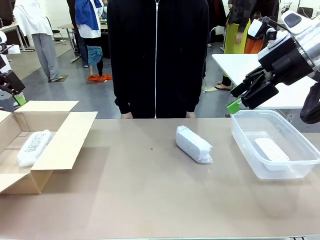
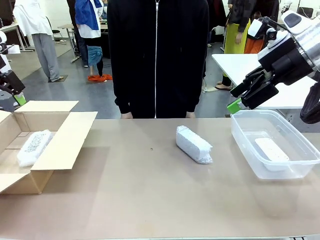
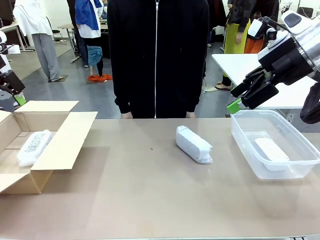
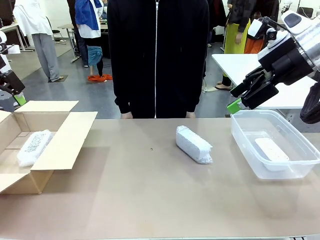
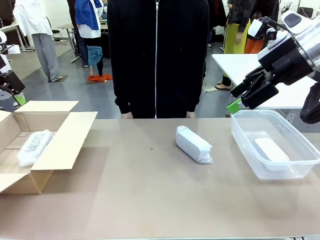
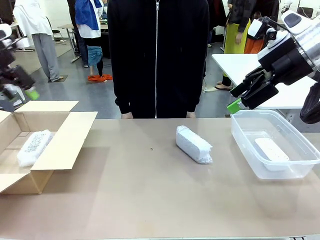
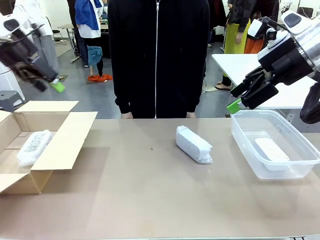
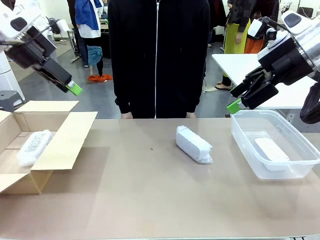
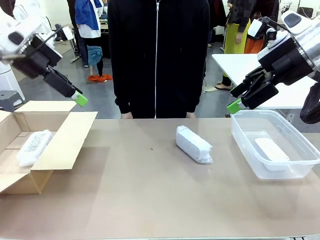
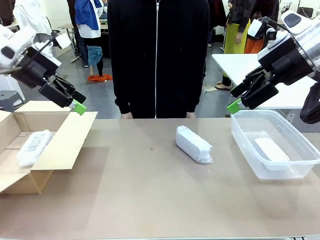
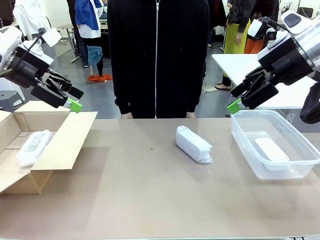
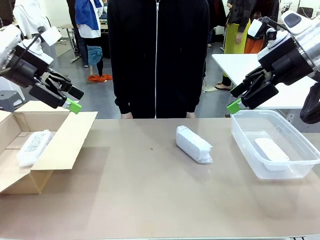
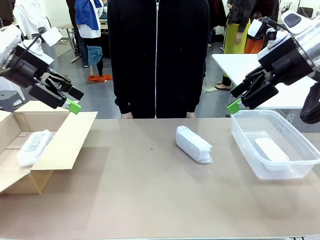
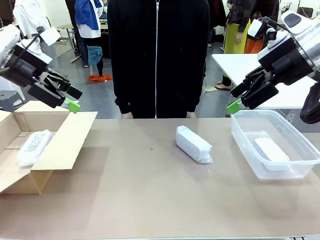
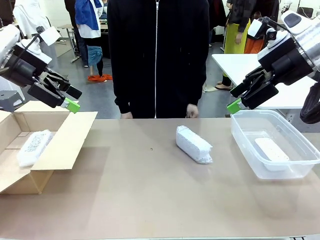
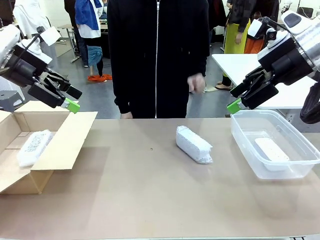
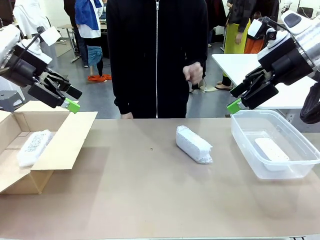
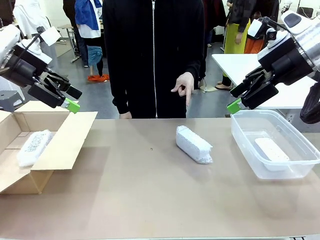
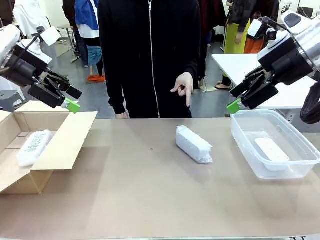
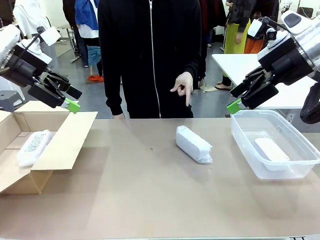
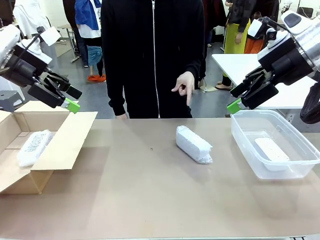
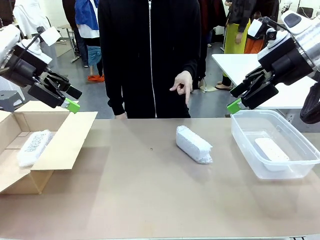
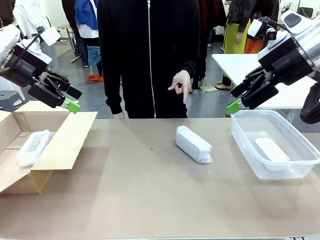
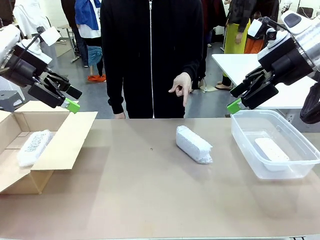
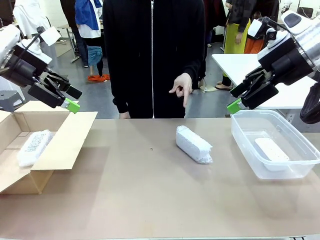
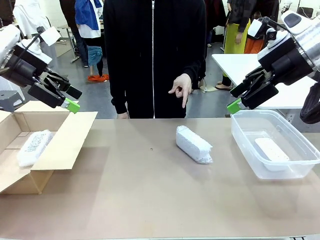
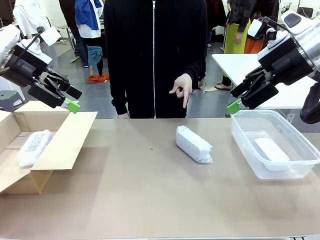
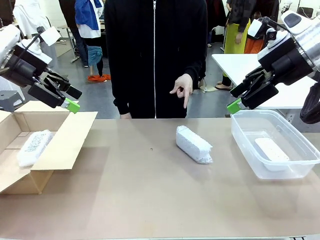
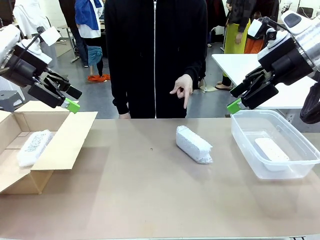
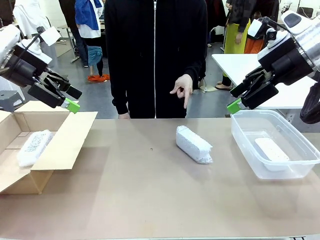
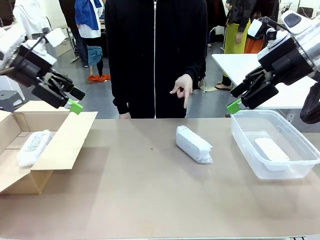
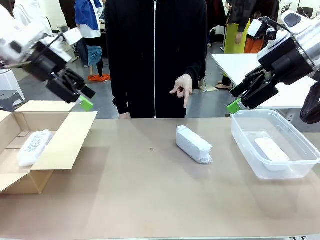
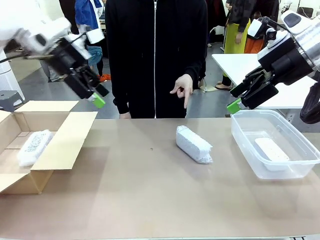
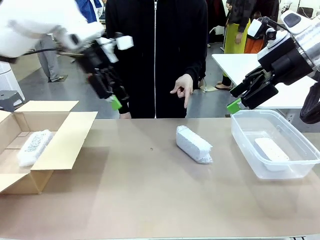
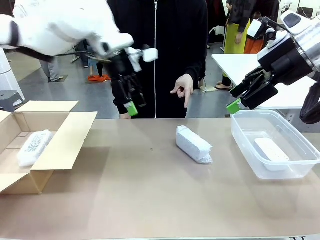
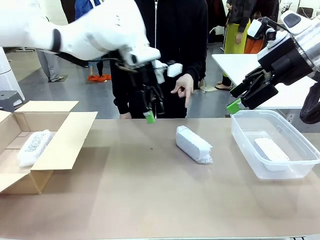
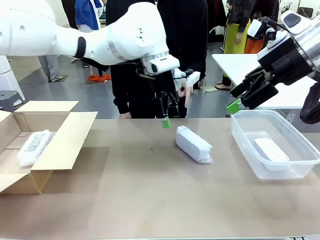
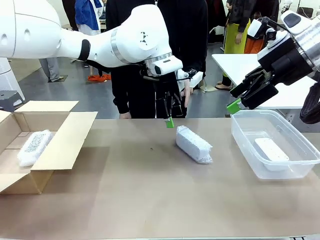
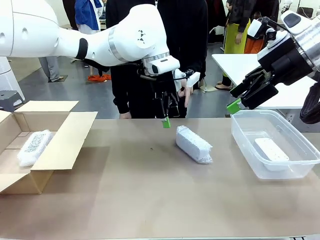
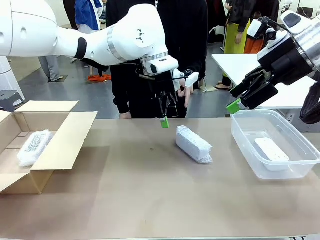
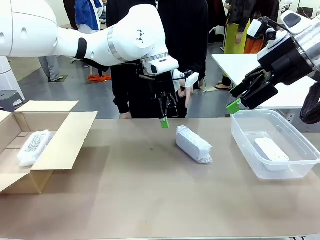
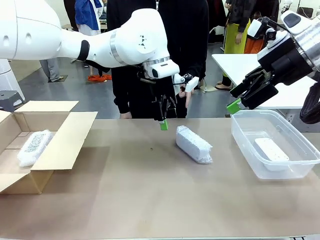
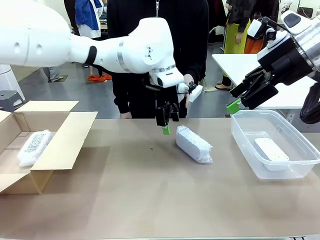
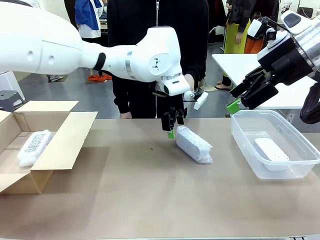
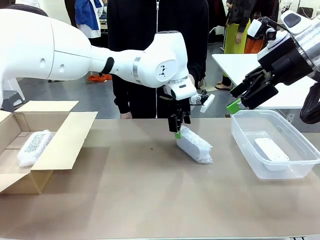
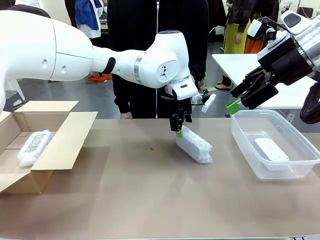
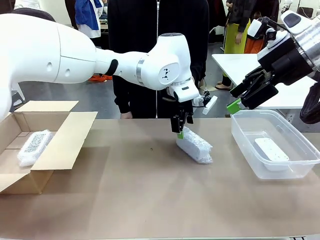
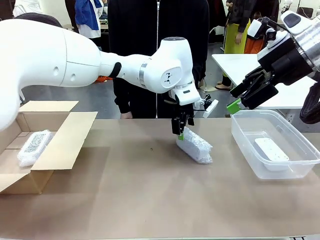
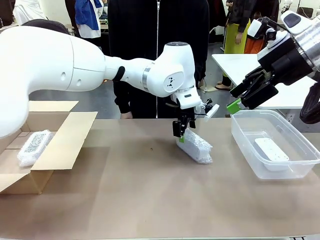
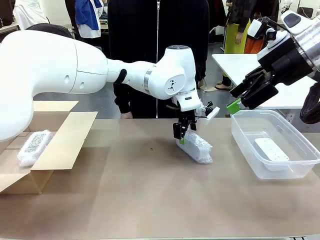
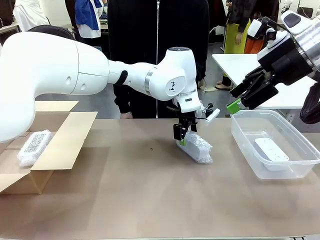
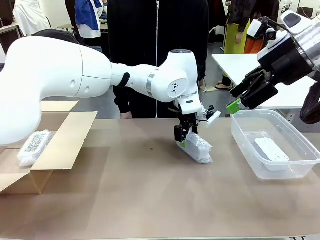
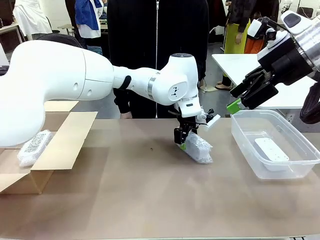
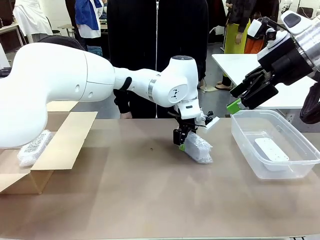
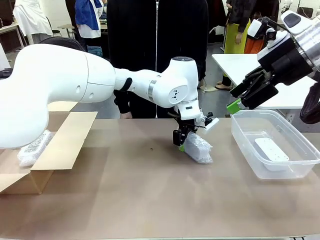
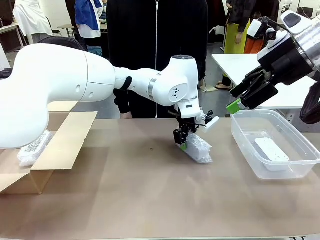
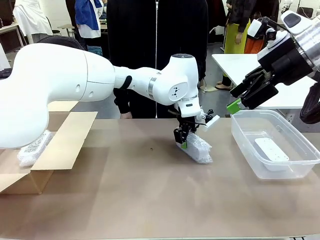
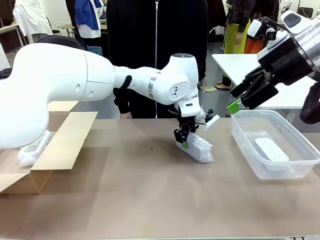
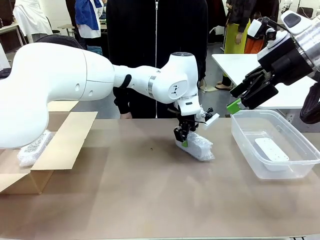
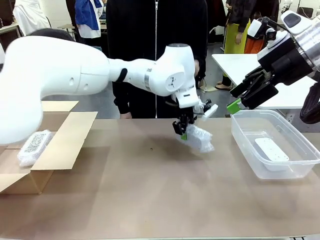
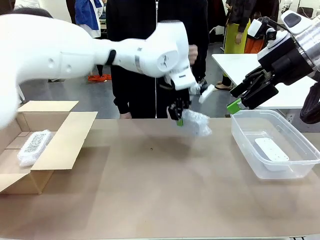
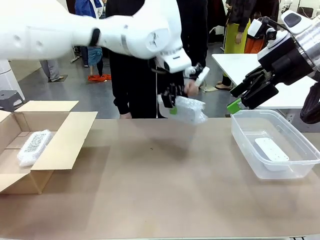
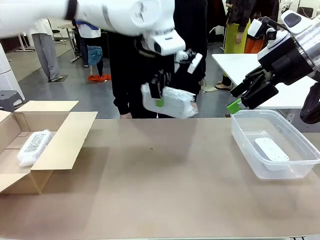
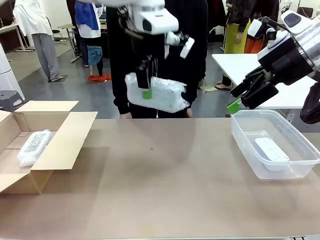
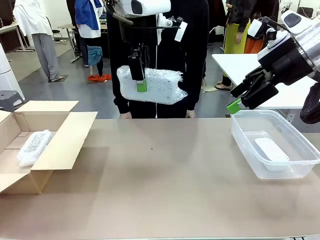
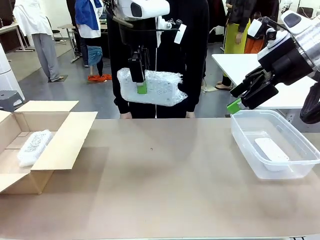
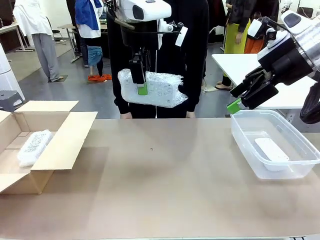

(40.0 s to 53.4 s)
Task: Separate and place wrapped and unwrapped clocks.
Robot: Pick up the Digital clock indicated by the person.

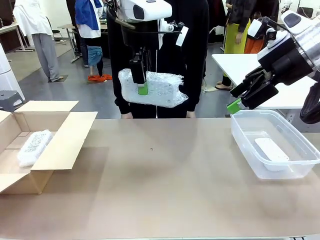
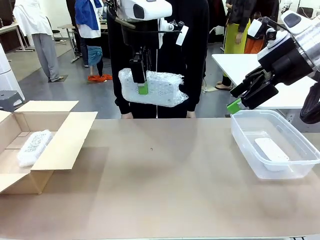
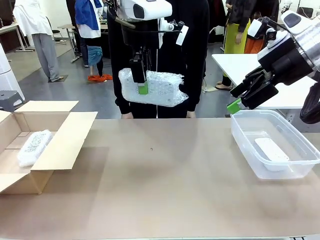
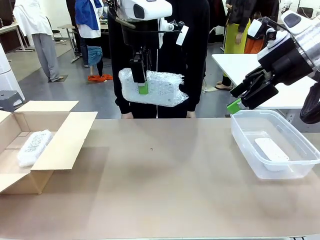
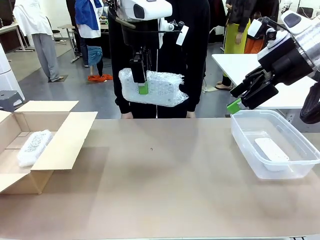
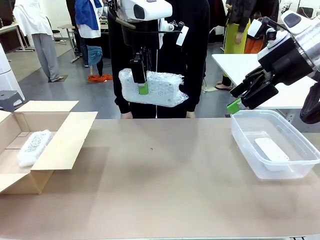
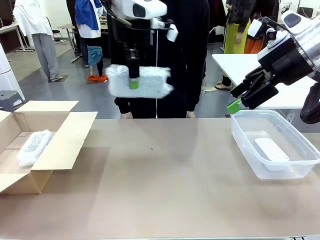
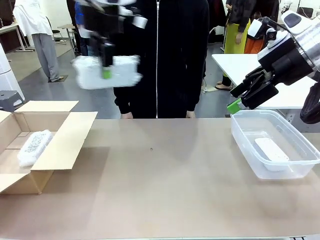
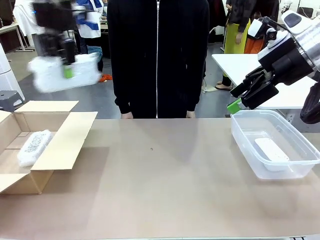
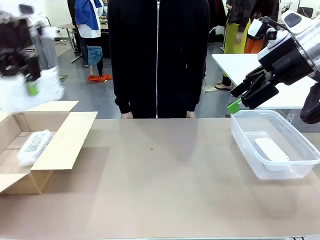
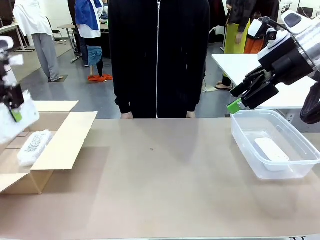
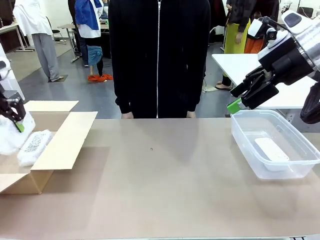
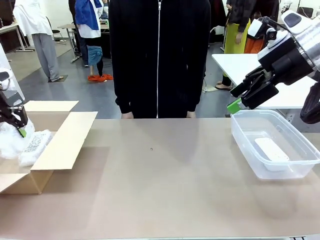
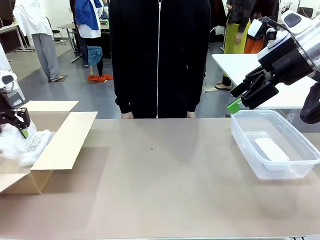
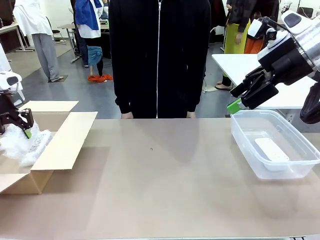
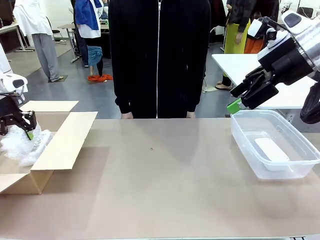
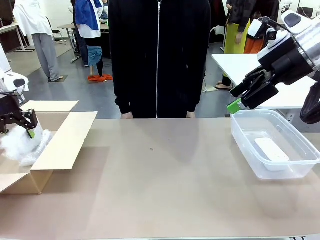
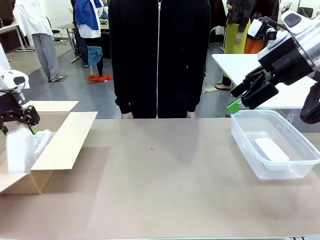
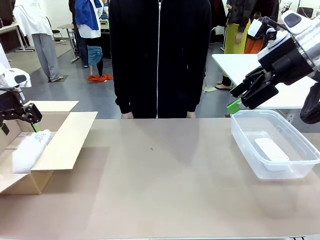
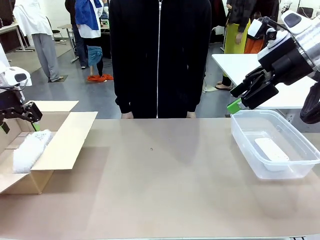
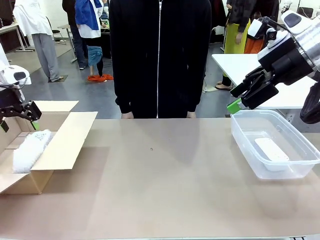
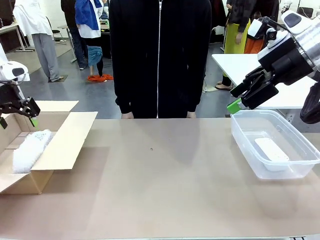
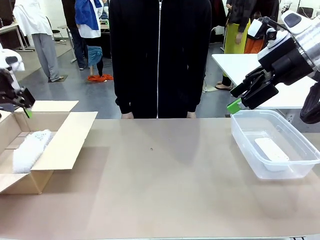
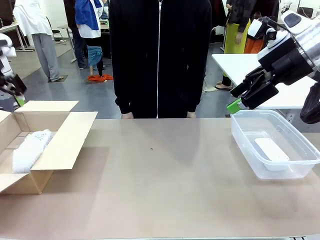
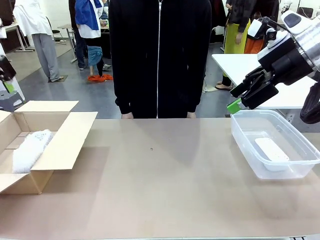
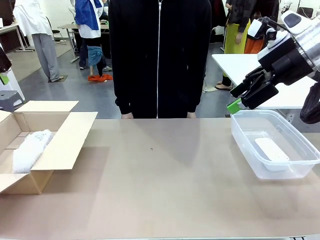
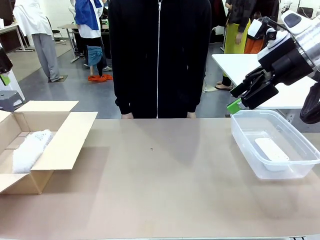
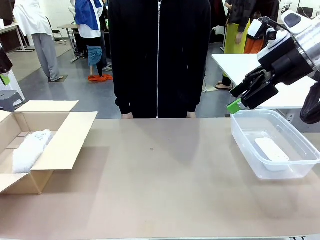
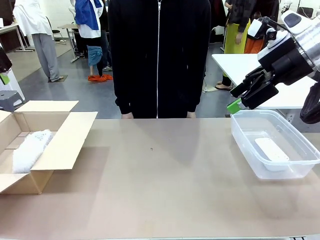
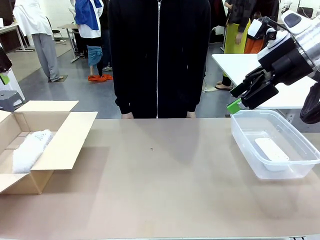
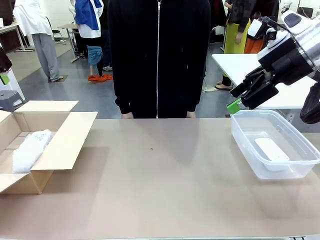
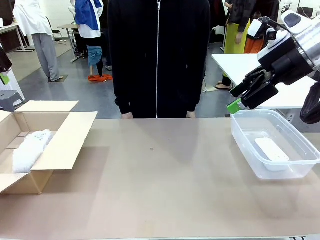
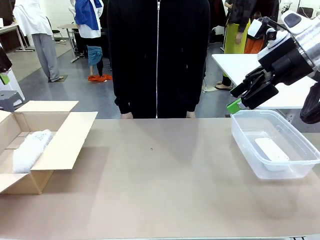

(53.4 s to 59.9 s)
Robot: If the picked Digital clock is wrapped, place it in the Package Box ; if not, place it in the Organizing box.
